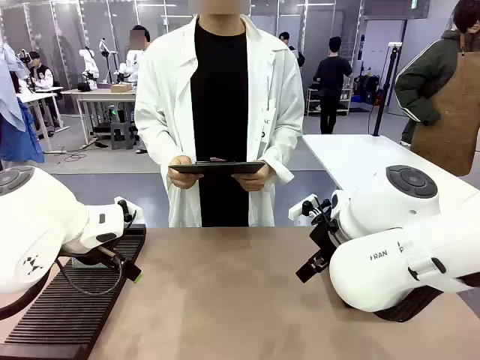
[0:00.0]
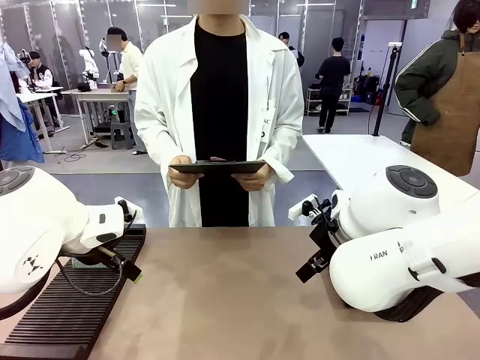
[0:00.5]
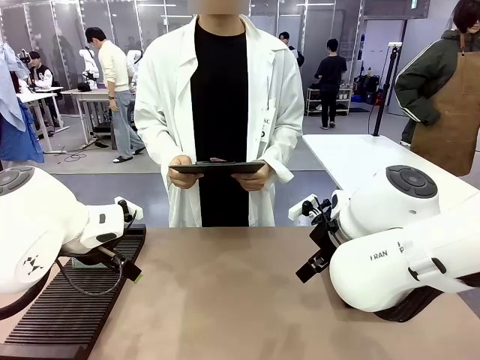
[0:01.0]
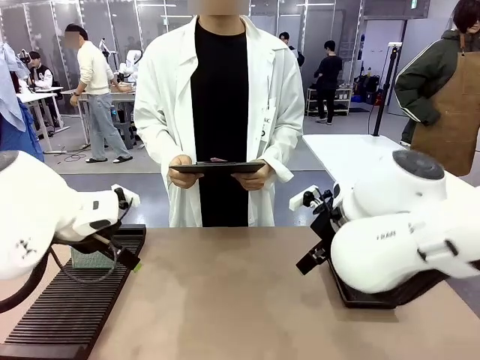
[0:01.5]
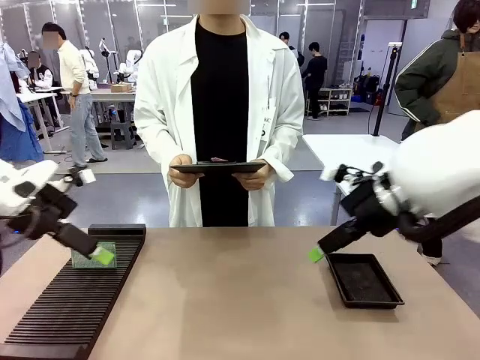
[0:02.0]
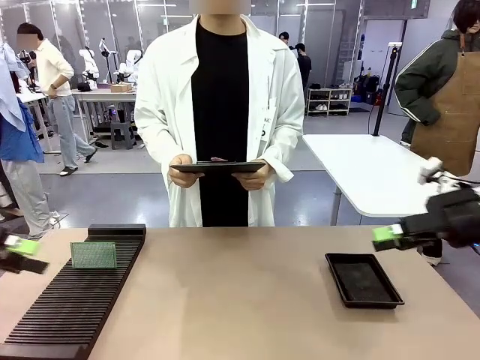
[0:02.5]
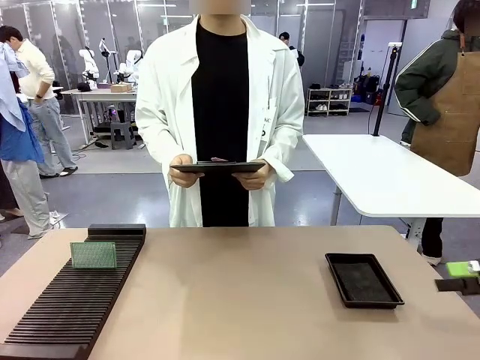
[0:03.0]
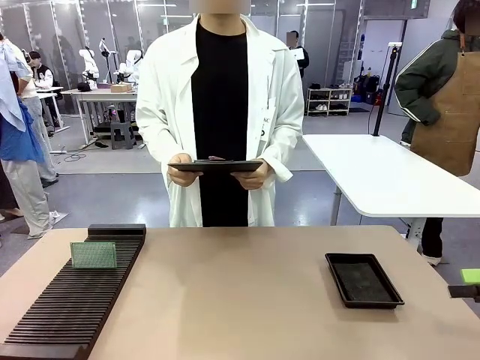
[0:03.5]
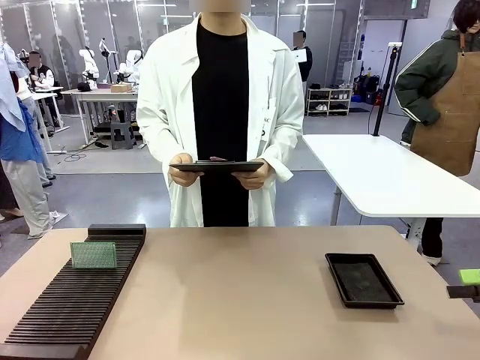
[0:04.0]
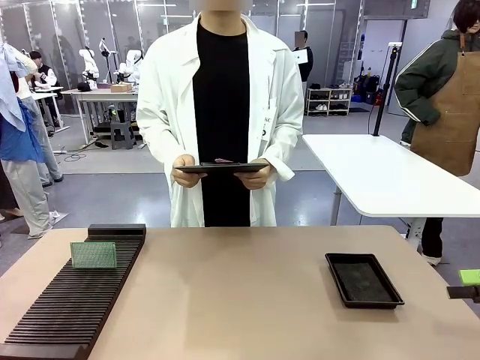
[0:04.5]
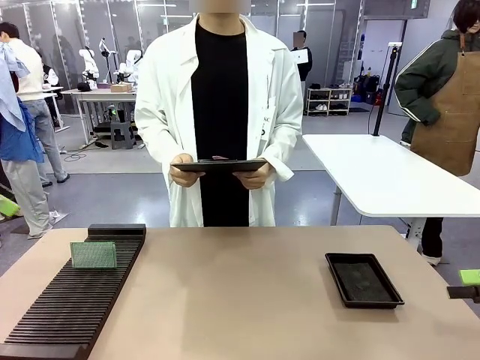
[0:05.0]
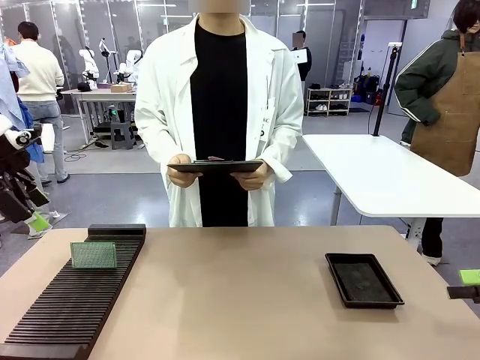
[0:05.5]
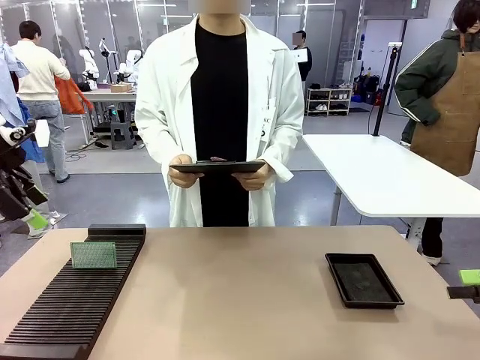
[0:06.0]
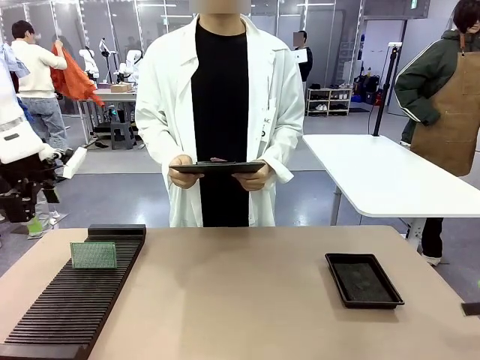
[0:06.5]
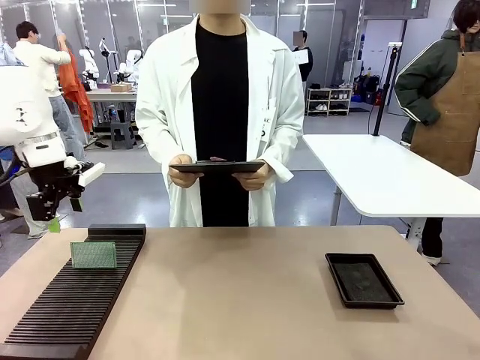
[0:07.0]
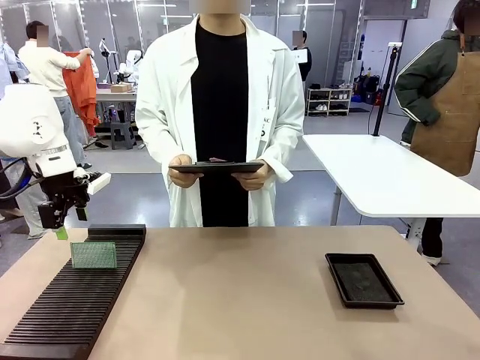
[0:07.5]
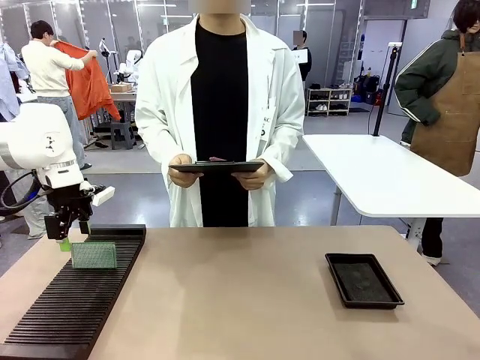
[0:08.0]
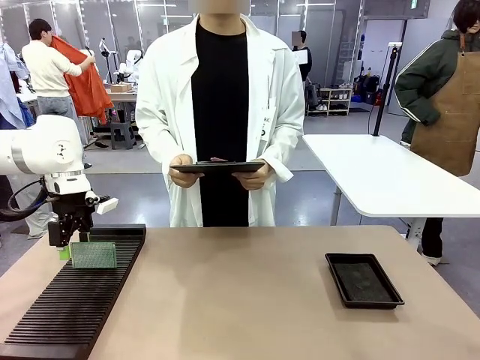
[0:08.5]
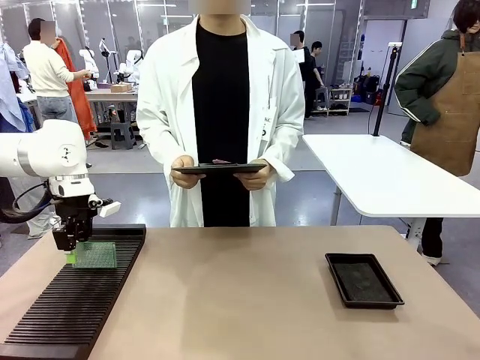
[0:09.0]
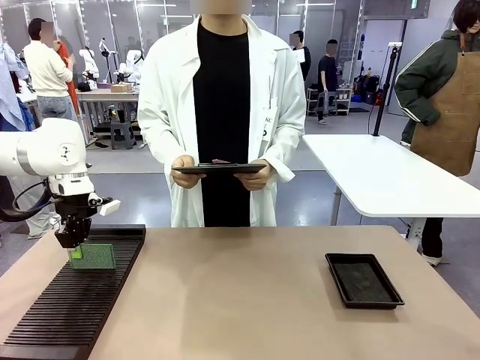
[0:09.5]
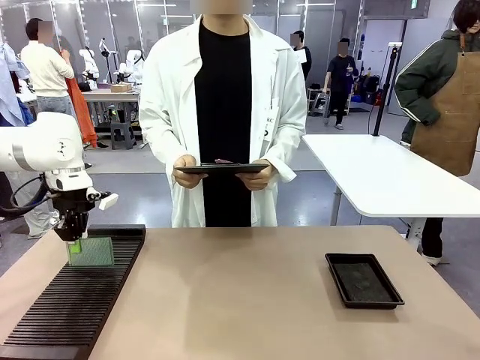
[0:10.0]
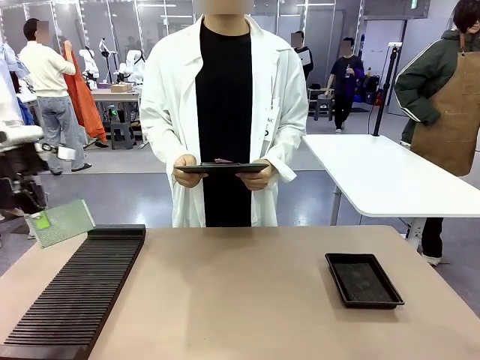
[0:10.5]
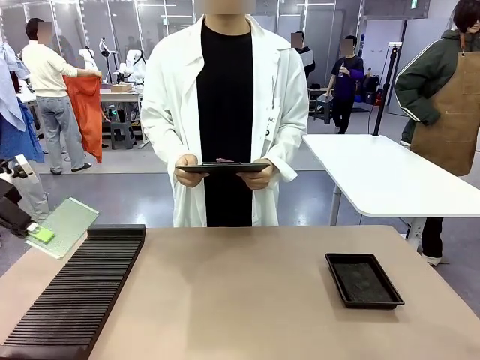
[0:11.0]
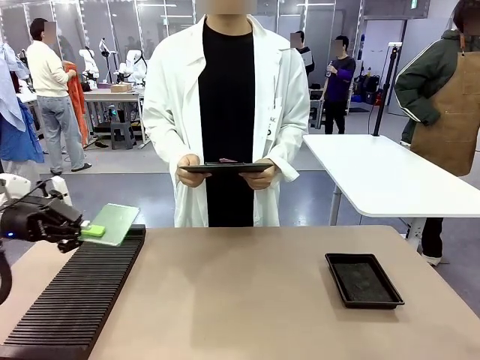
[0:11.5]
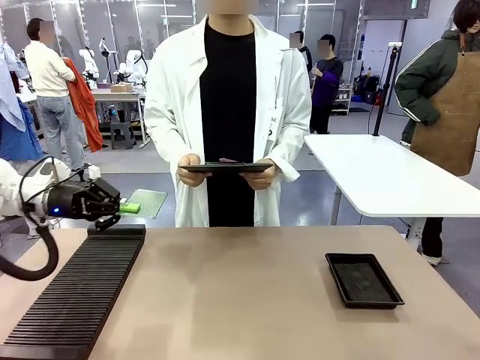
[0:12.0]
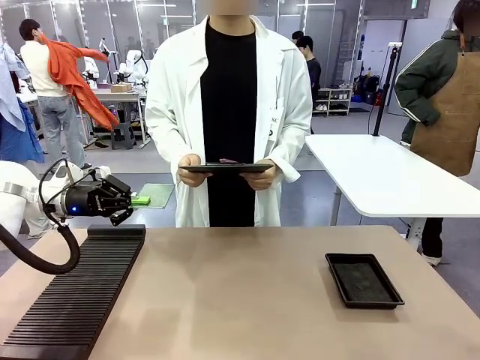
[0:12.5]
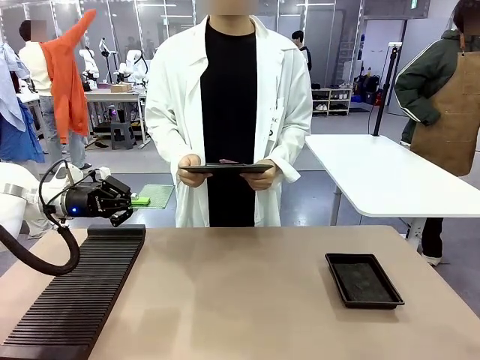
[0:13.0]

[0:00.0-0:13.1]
Task: Inspect the PCB.
Robot: Pick up the Blank PCB and present it to the human.
Person: Pick up the PCB presented by the robot.

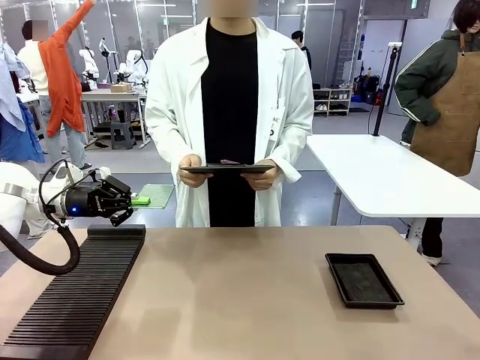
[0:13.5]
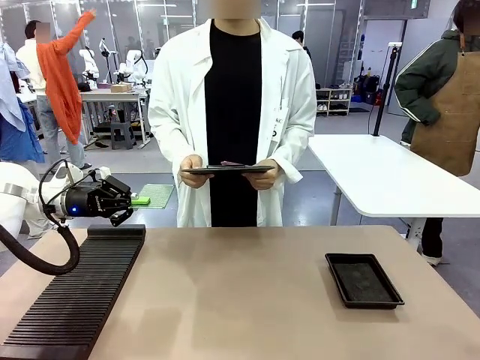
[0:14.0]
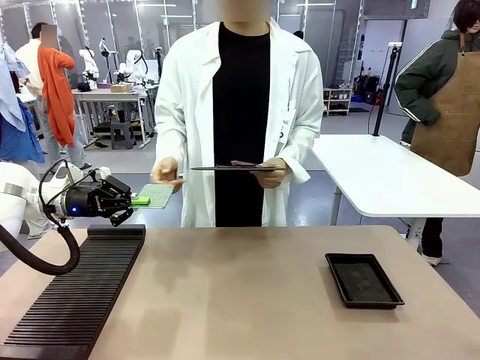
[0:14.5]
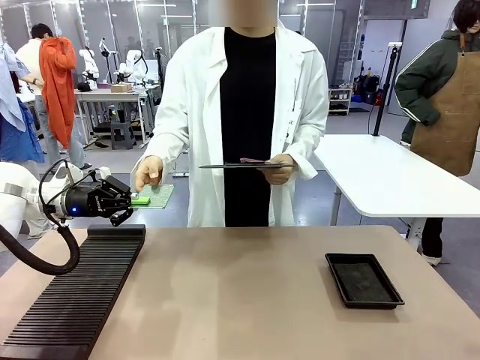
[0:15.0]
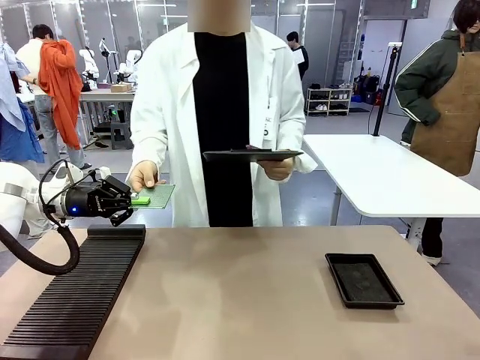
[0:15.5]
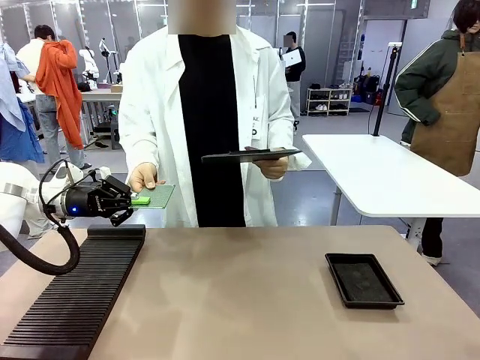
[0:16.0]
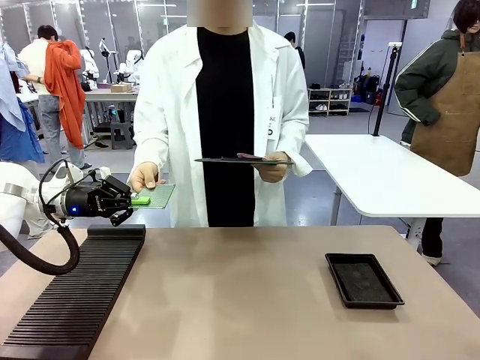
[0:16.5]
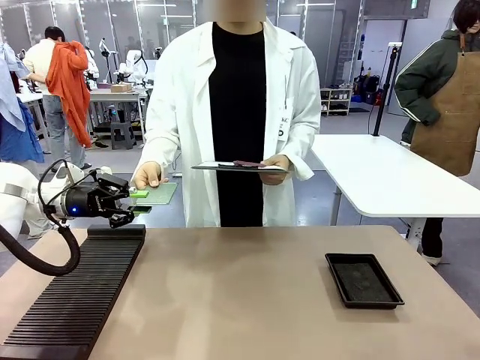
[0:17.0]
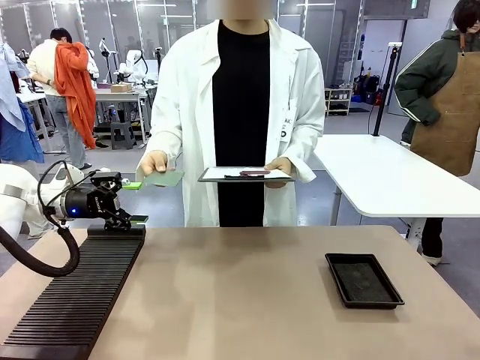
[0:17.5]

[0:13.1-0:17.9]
Robot: Release the Blank PCB you were holding.

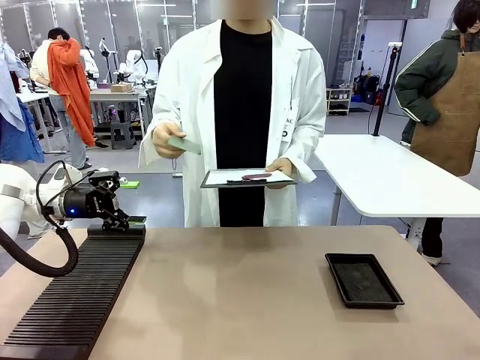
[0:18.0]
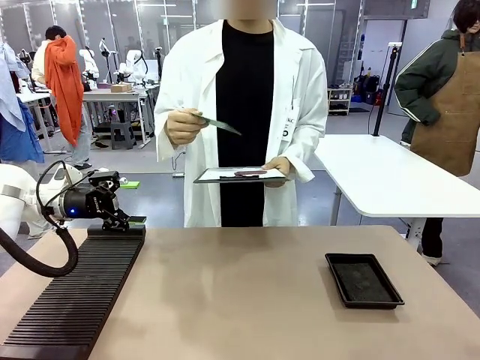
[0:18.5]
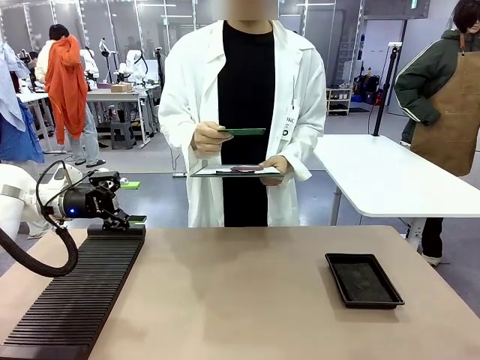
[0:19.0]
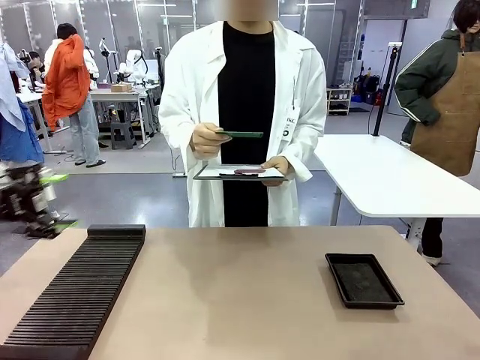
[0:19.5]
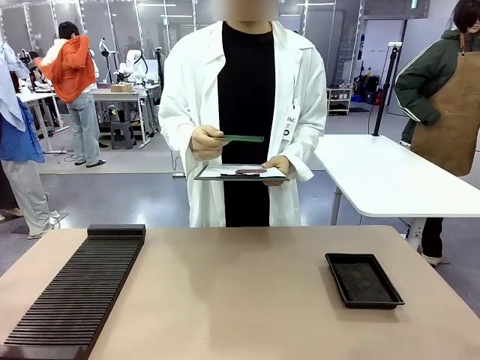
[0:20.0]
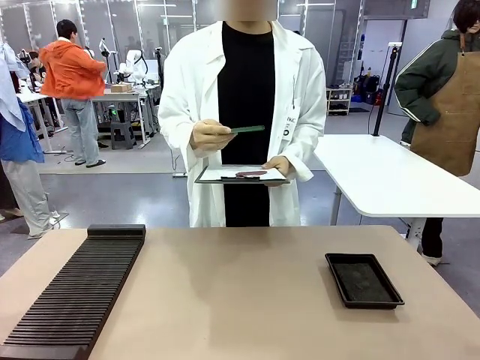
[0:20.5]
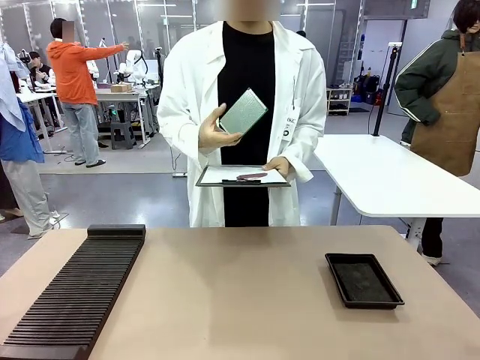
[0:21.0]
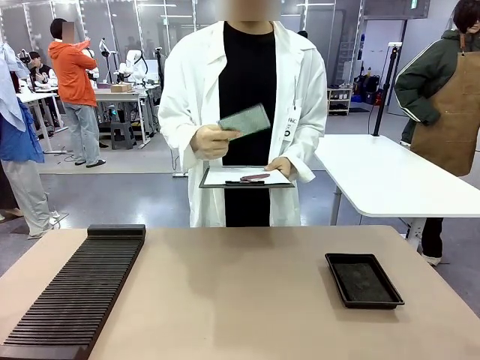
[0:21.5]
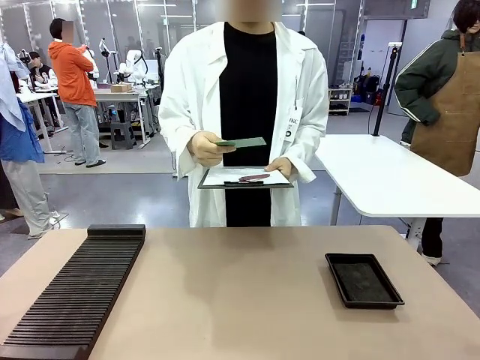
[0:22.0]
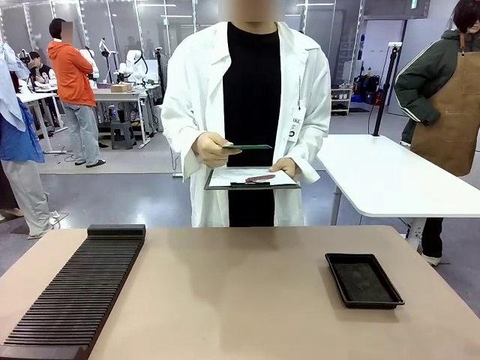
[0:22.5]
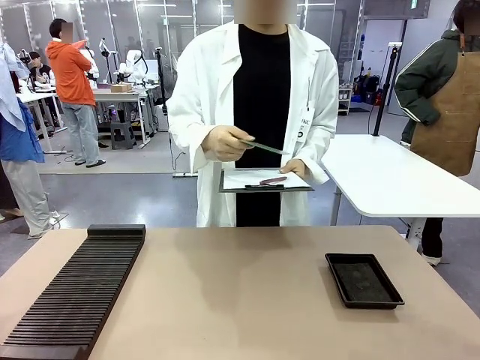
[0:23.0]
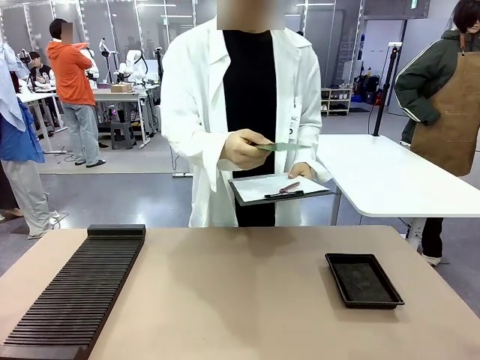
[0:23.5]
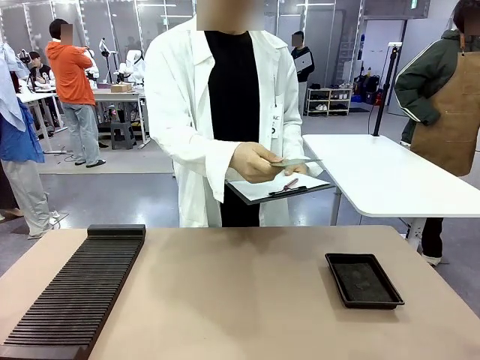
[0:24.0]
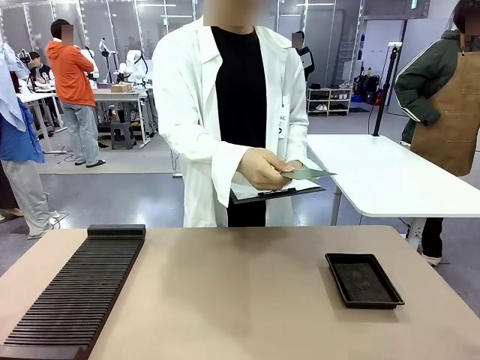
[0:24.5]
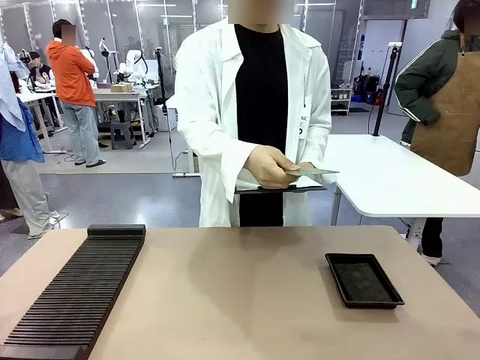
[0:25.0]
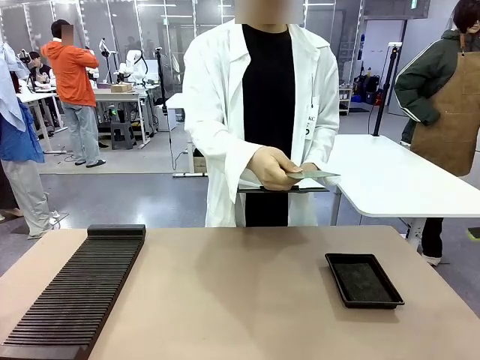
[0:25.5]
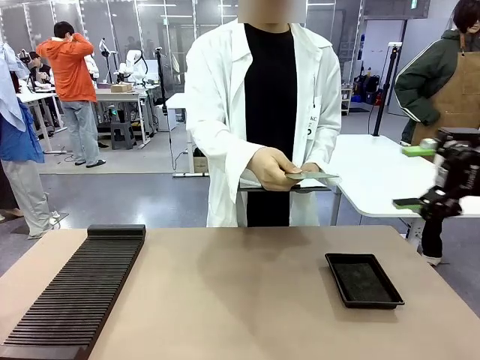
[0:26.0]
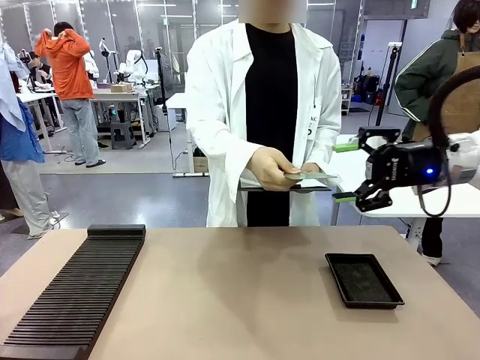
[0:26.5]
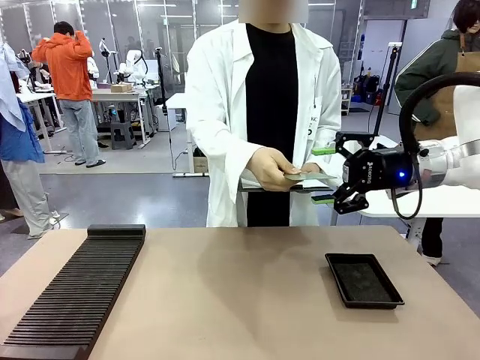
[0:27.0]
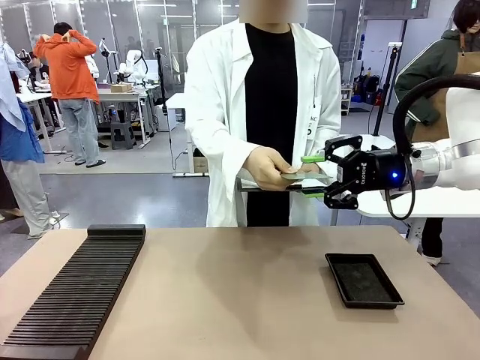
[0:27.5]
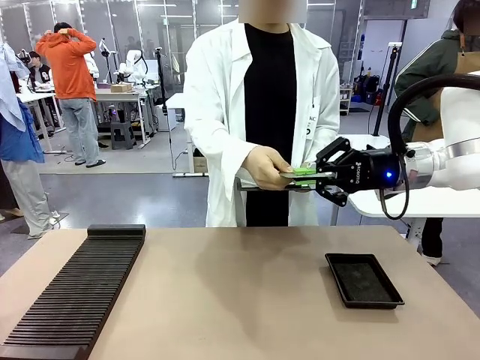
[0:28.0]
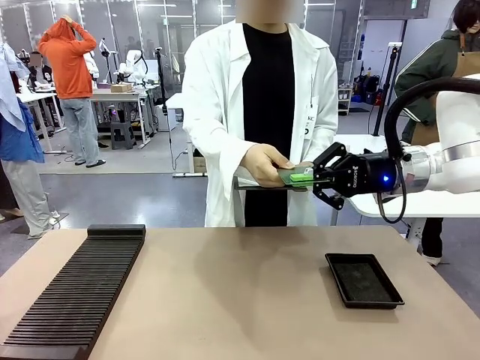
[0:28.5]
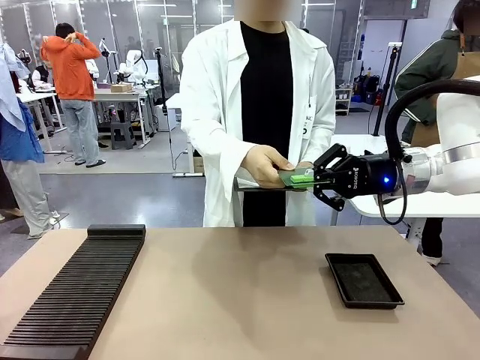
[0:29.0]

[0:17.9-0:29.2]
Robot: Pick up the Blank PCB that the human is holding.
Person: Inspect the PCB placed by the robot, then hold it out in front of the robot. Release the PCB you were holding.
